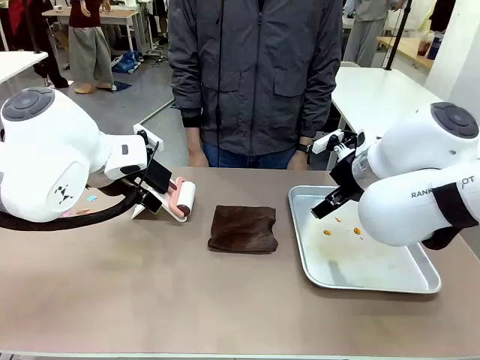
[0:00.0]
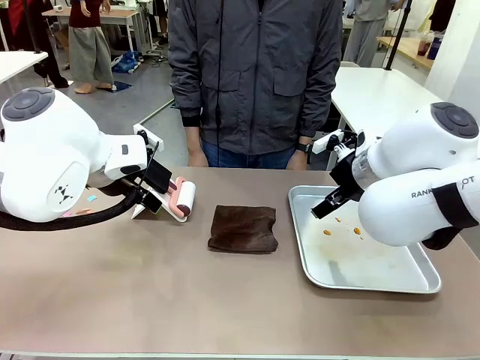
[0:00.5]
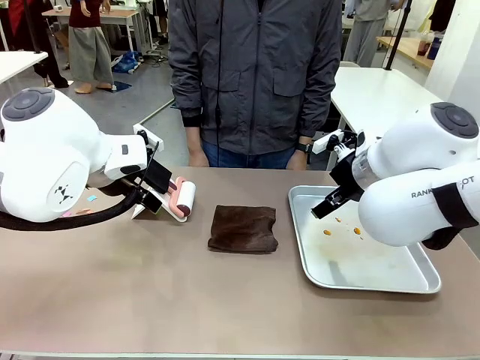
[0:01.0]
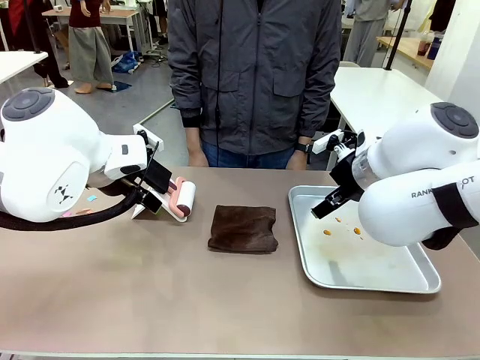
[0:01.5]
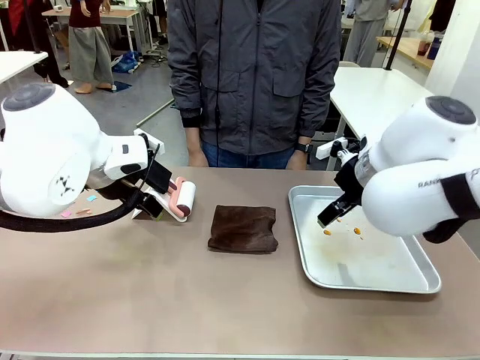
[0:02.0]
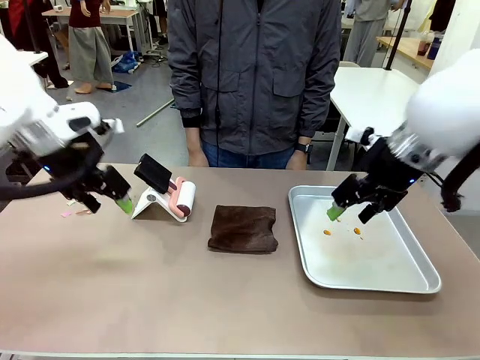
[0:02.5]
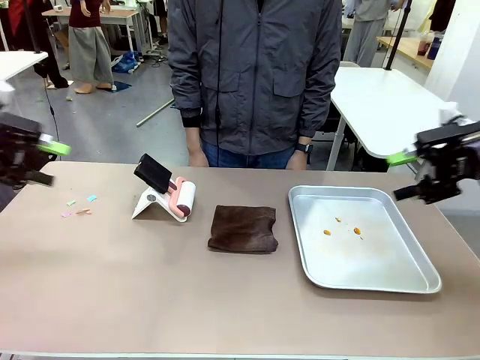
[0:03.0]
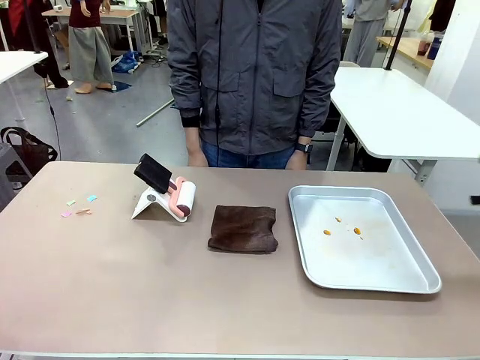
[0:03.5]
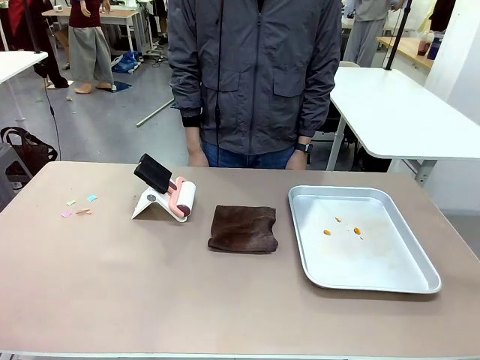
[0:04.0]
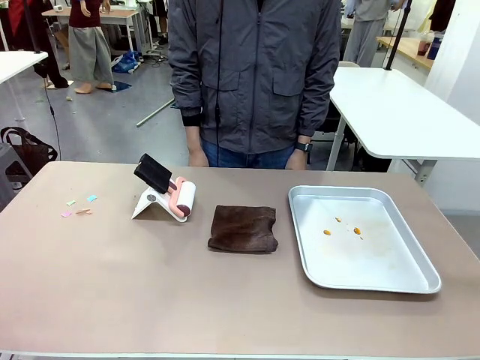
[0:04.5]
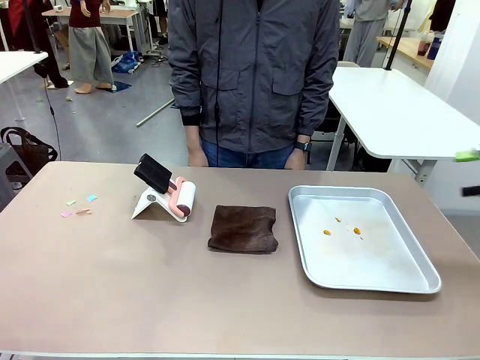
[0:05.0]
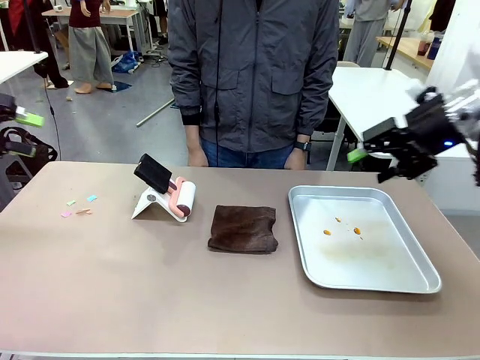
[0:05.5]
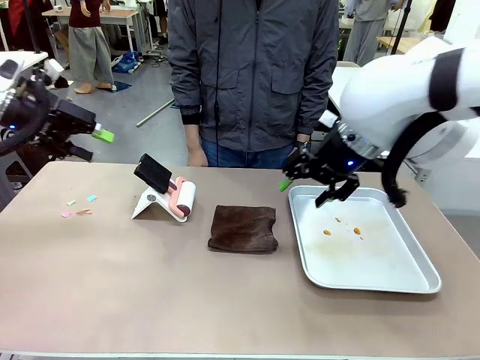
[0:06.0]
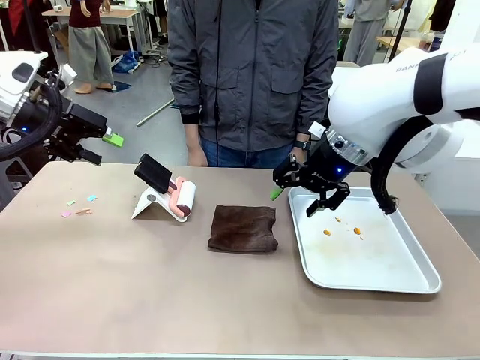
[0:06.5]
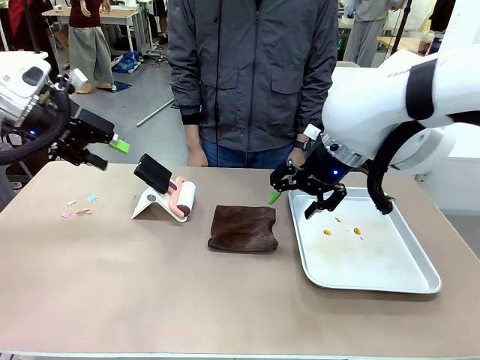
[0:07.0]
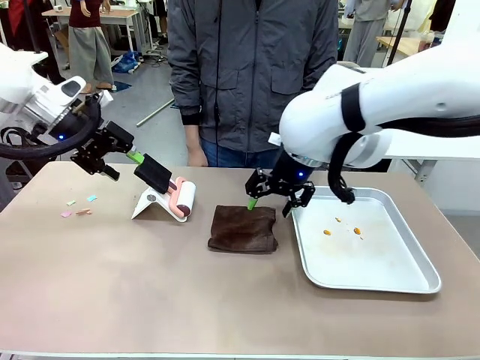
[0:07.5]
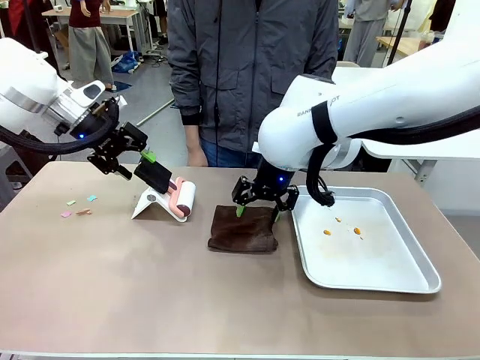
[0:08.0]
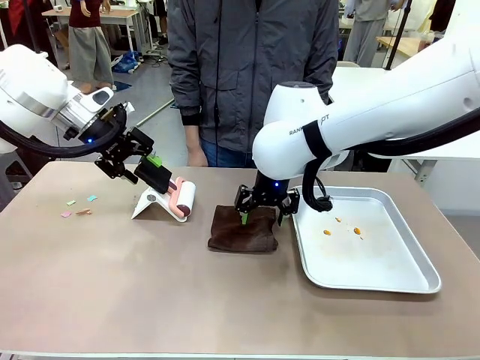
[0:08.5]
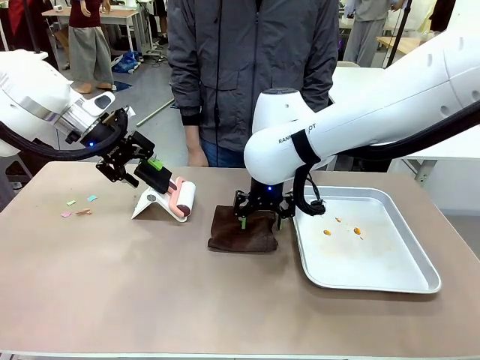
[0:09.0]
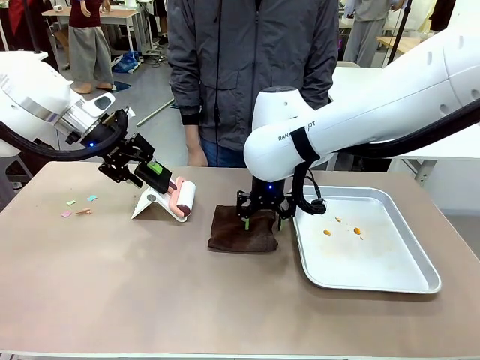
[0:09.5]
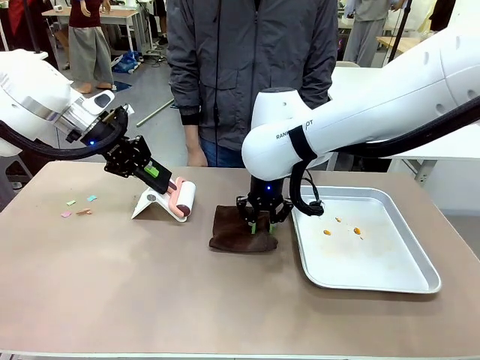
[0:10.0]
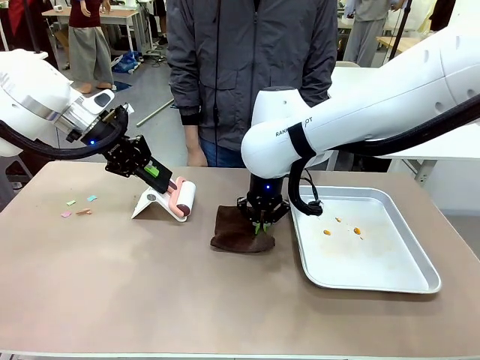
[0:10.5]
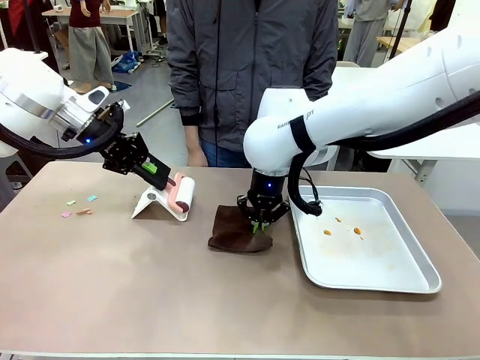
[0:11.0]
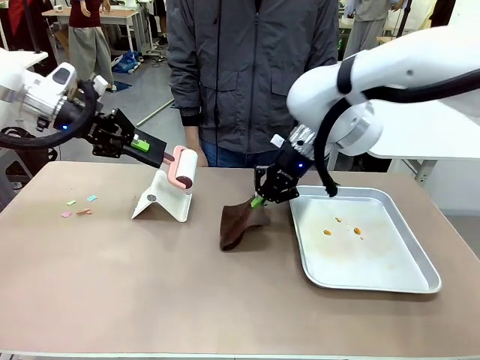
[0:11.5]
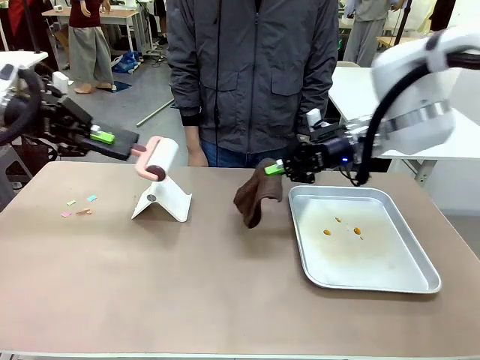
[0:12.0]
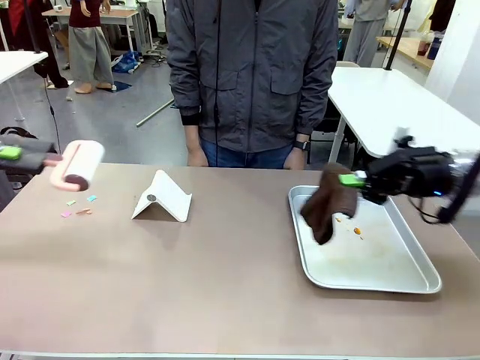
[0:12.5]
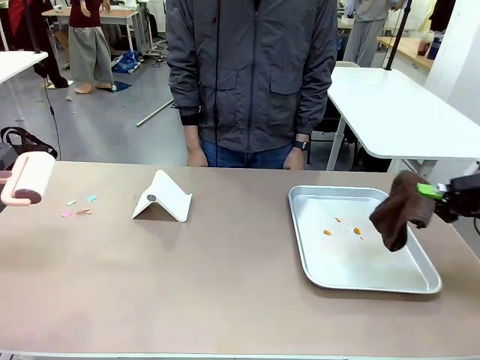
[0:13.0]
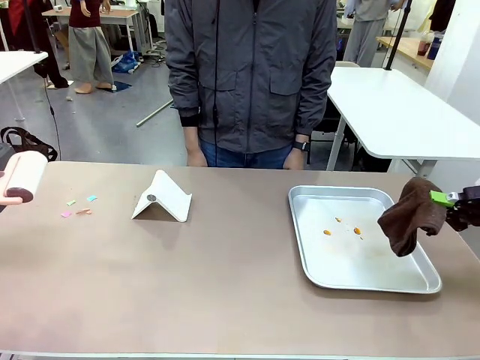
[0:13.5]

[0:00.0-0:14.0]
Task: Clean the surface of the table.
Robot: Hold the Lint Roller with your left hand and the towel with your right hand.

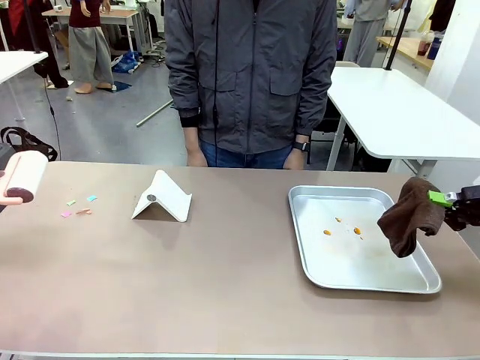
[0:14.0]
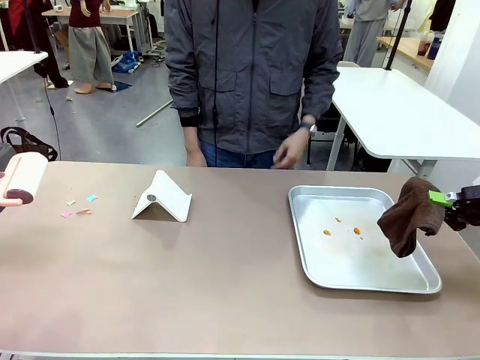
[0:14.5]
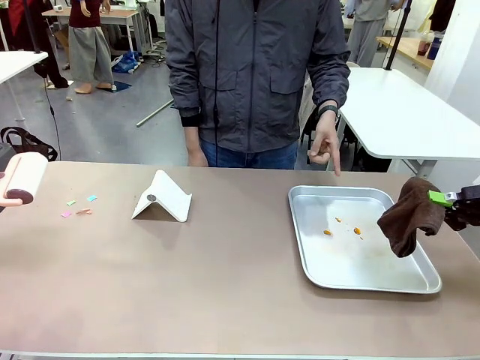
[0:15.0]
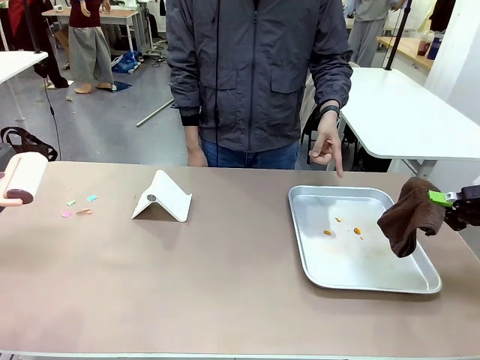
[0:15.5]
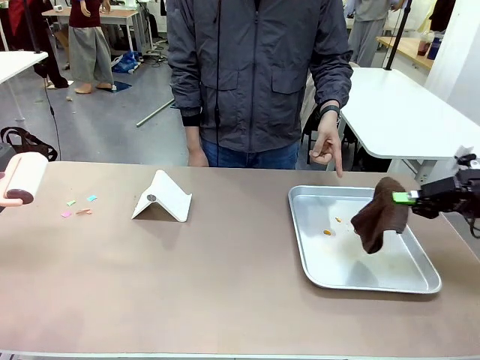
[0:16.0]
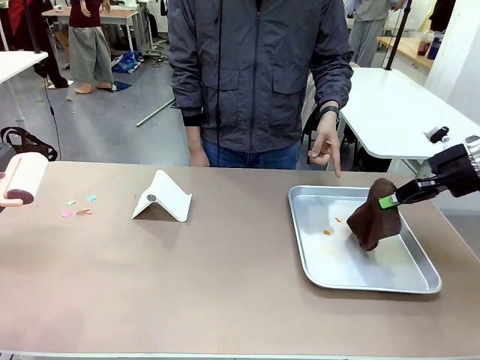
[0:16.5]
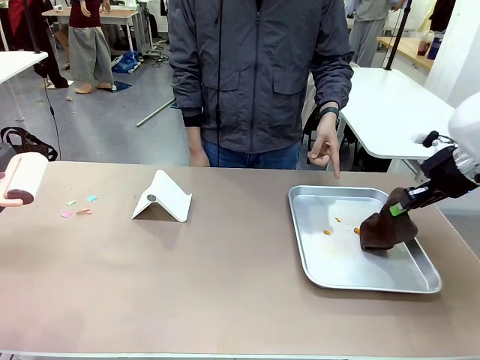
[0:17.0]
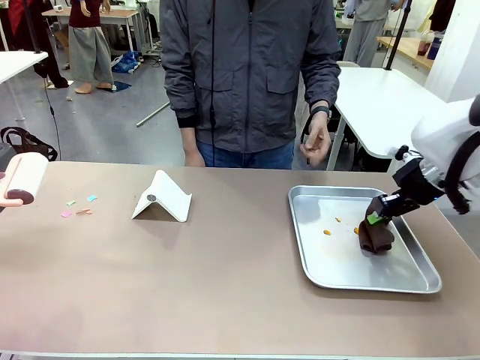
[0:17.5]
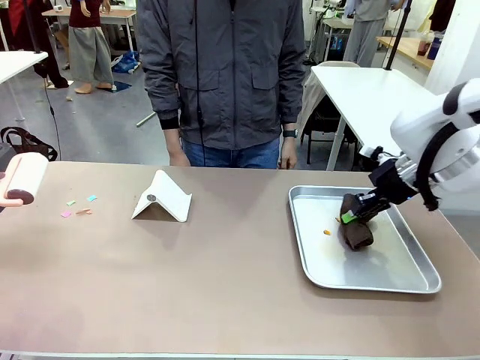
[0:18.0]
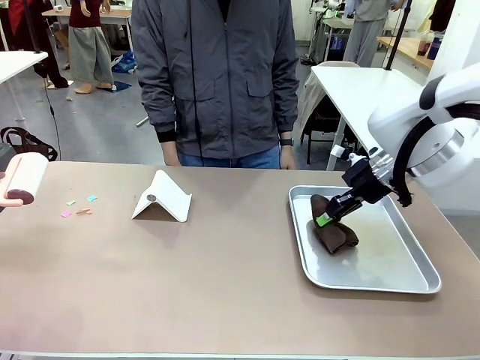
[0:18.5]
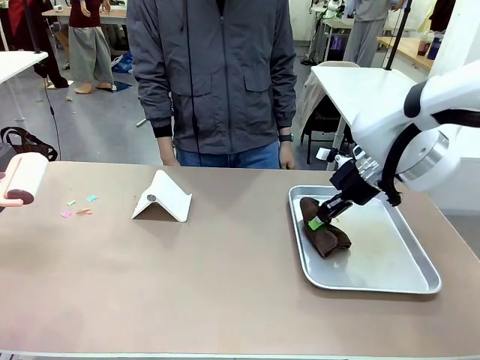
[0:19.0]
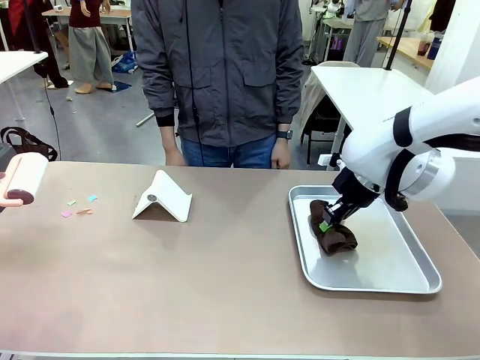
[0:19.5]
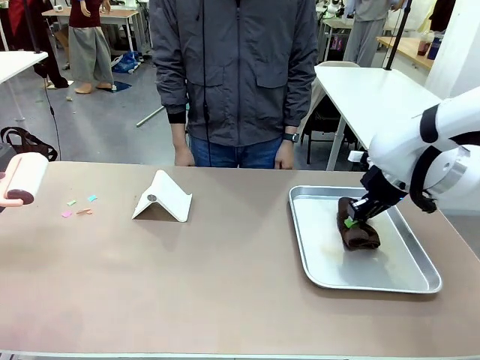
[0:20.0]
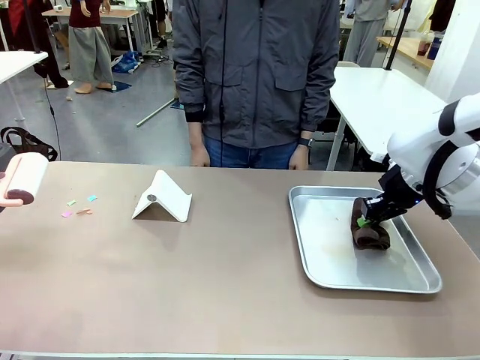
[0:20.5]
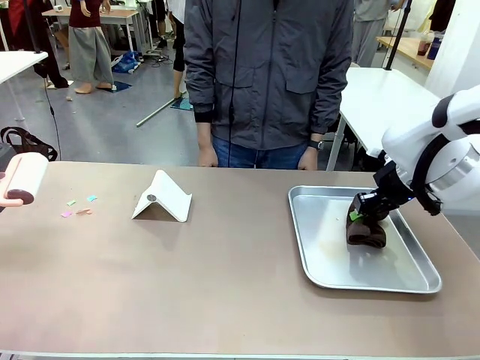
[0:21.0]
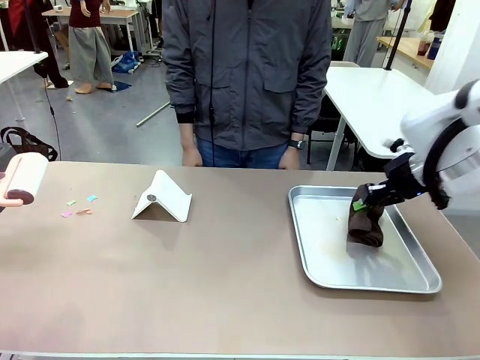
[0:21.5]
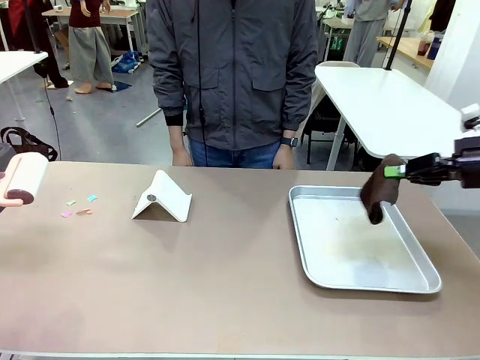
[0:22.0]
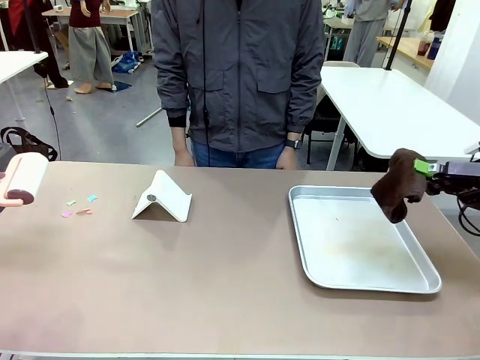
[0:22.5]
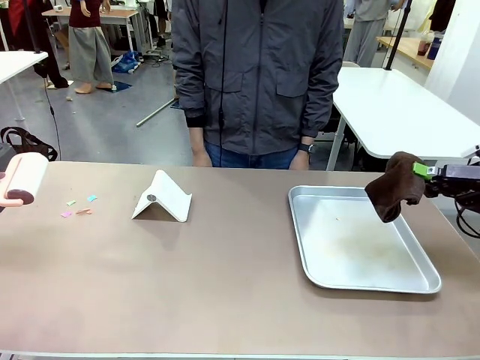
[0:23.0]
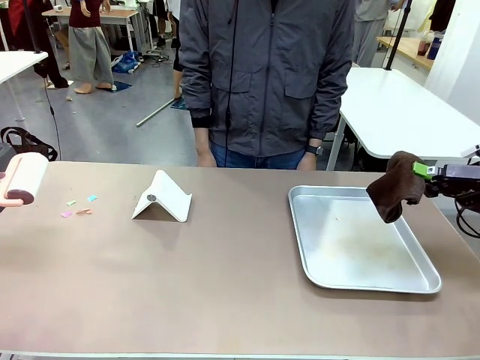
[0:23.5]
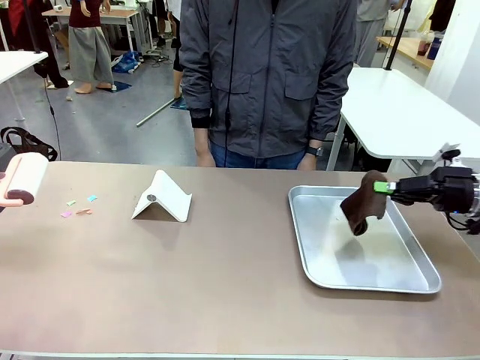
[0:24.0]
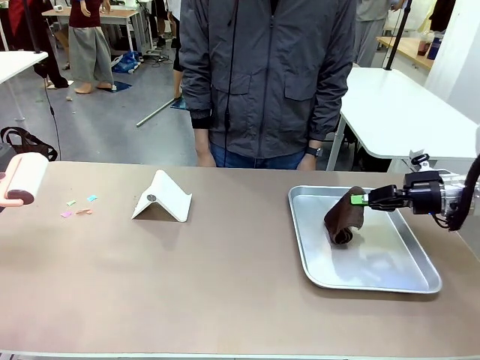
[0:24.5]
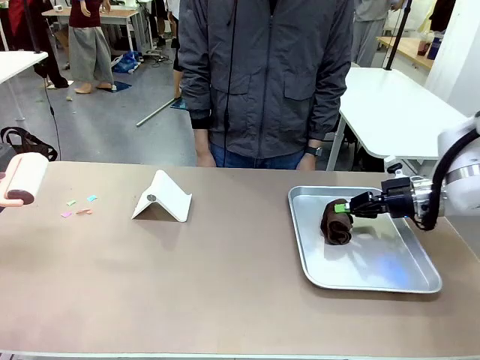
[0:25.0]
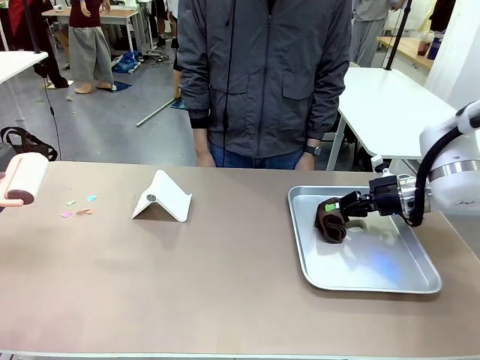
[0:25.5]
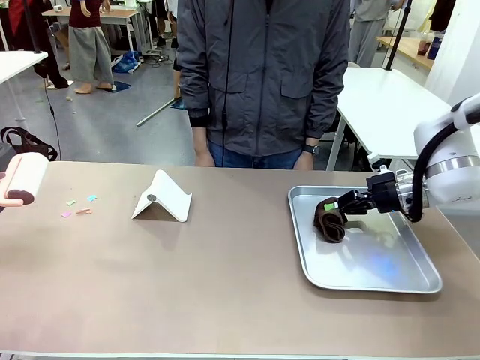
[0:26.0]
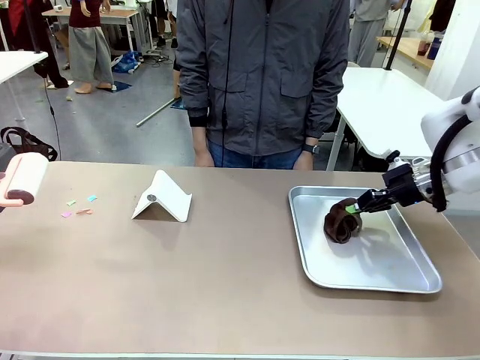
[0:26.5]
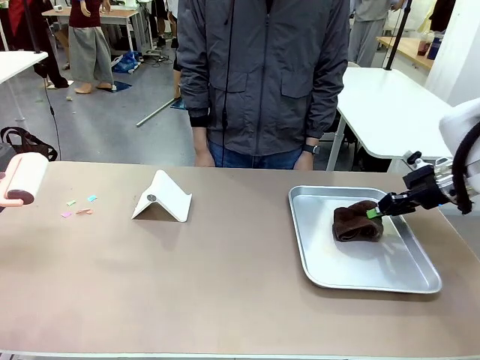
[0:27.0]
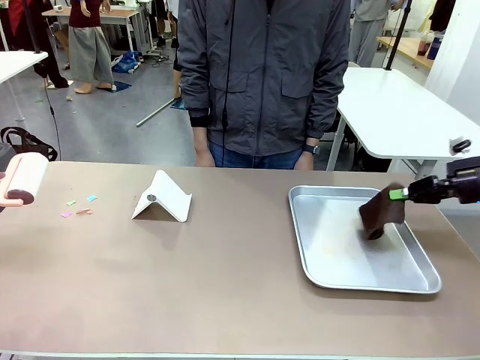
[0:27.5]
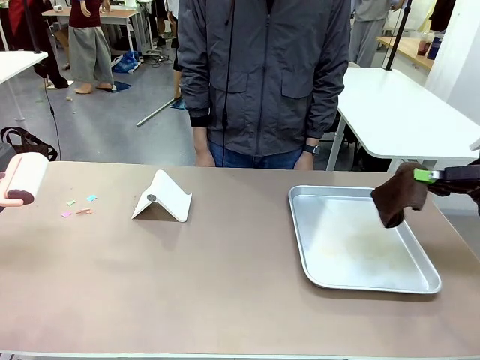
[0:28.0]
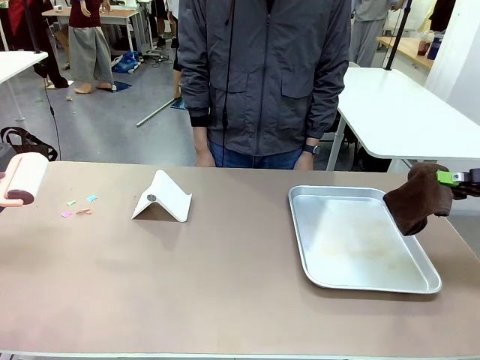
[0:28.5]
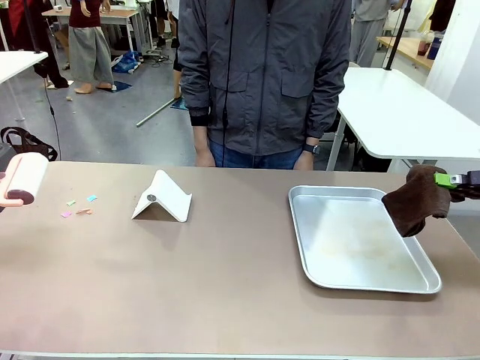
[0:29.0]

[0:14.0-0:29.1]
Robot: If a person points to the right, clean the right side of the table with your right hand, and if they point to the left, clean the left side with your left hand.
